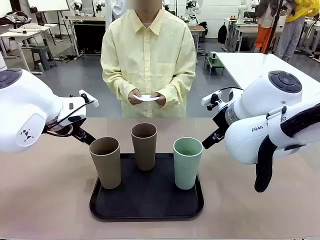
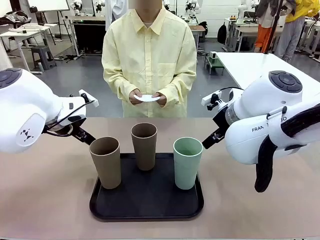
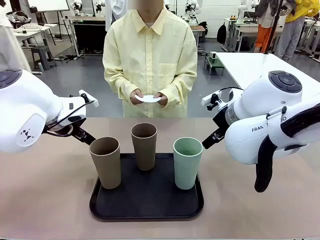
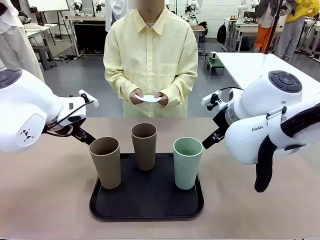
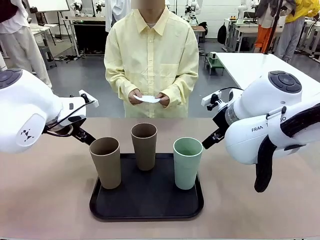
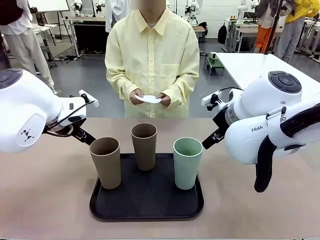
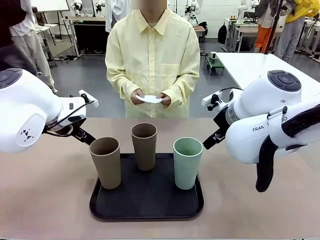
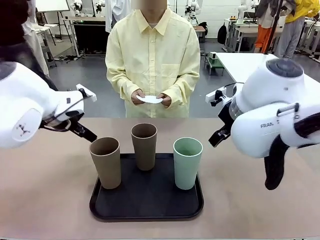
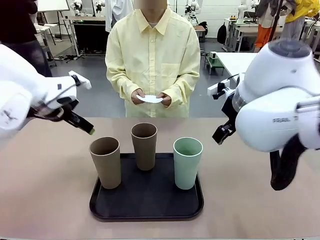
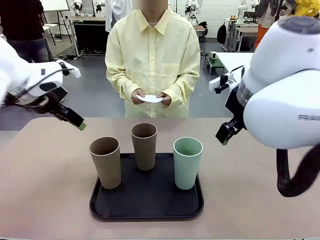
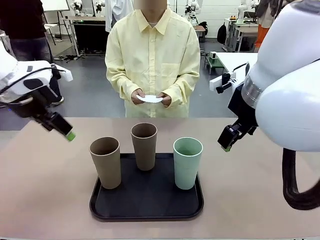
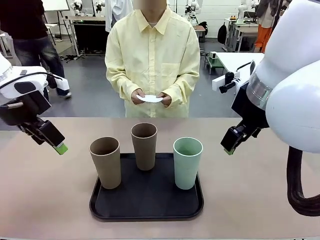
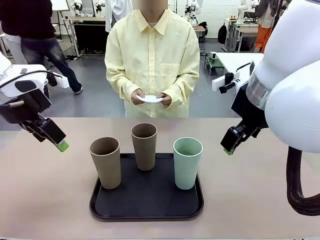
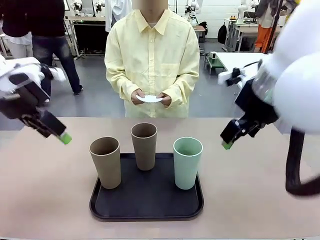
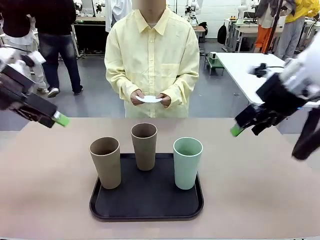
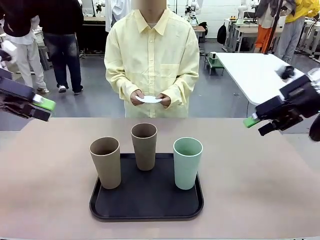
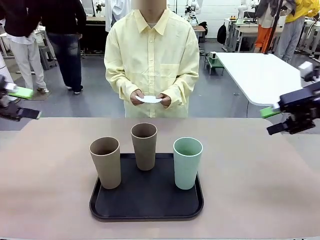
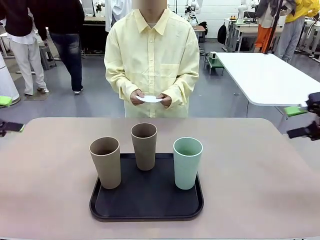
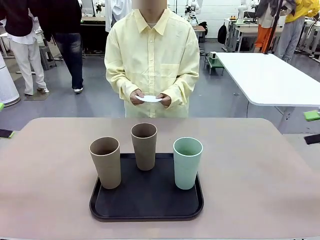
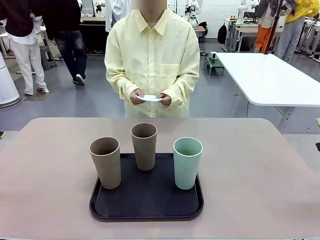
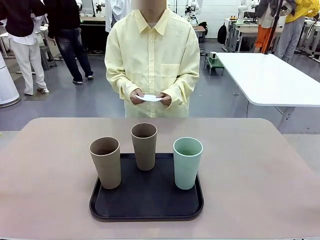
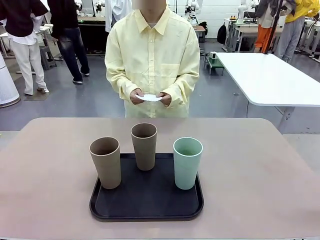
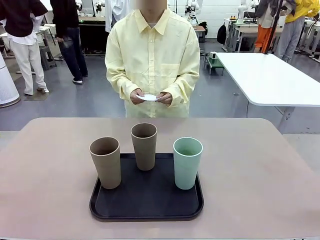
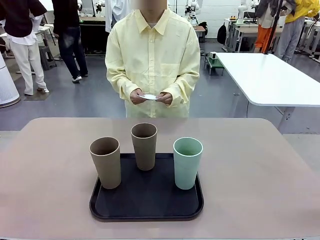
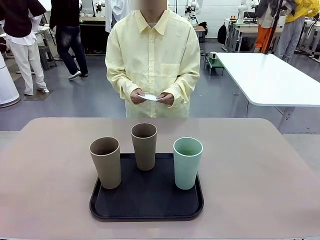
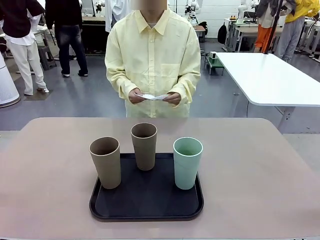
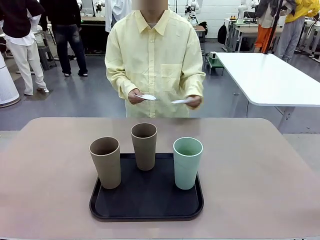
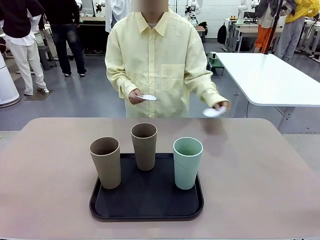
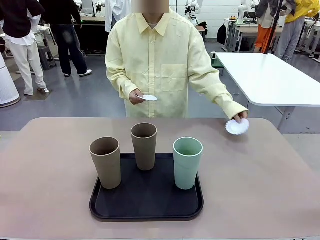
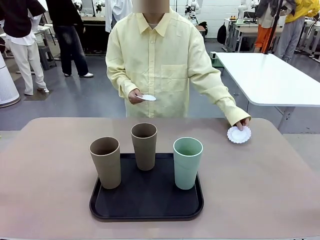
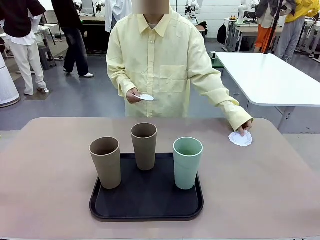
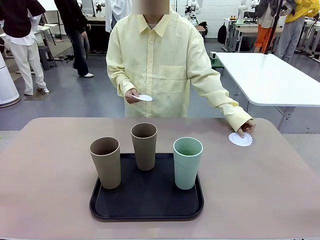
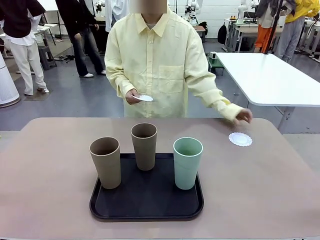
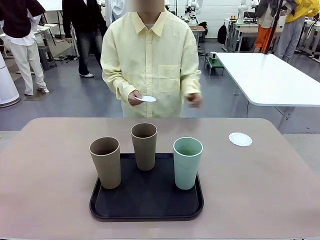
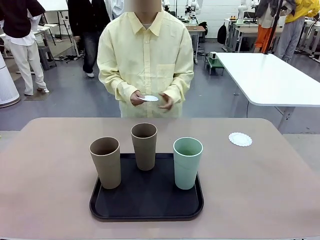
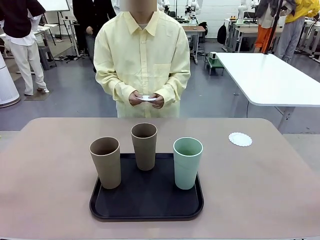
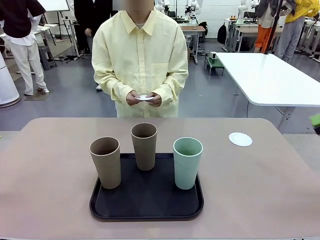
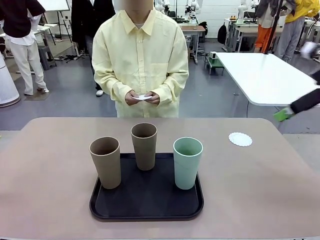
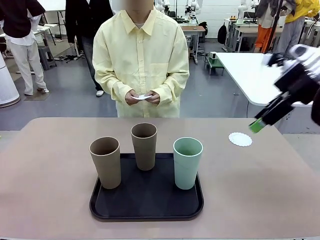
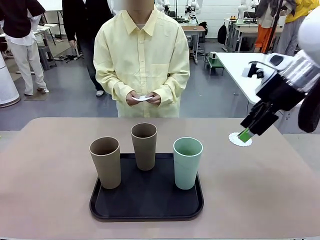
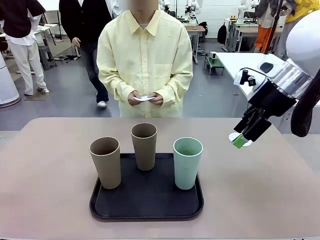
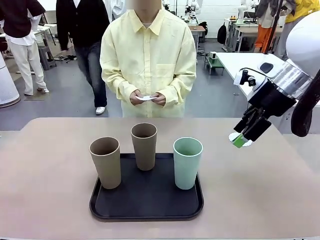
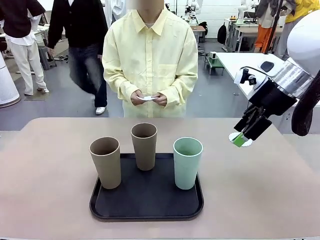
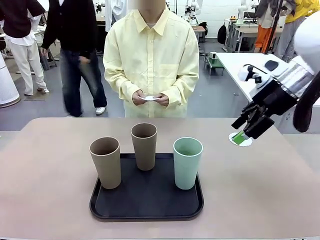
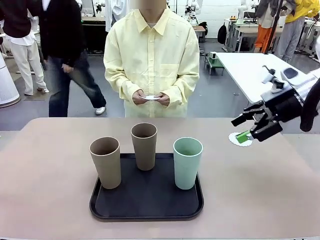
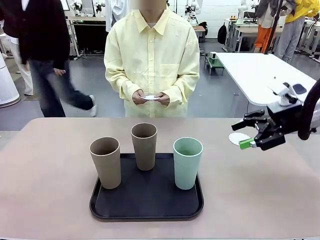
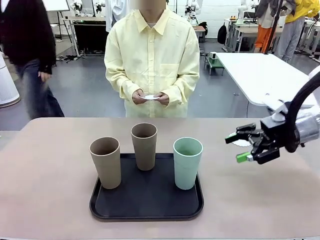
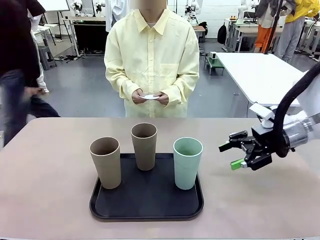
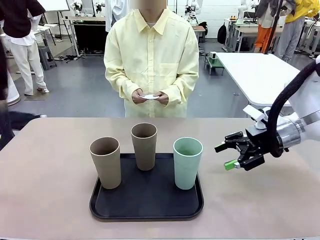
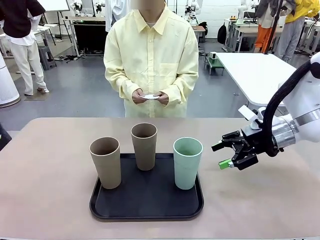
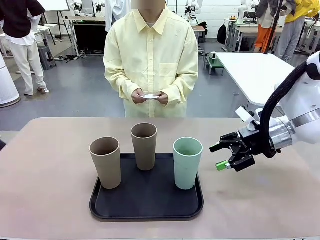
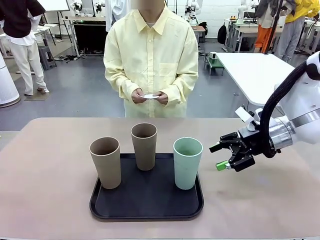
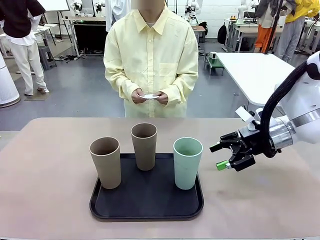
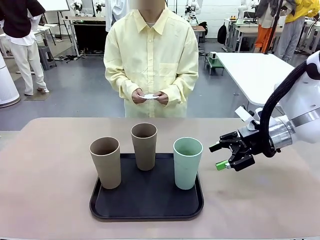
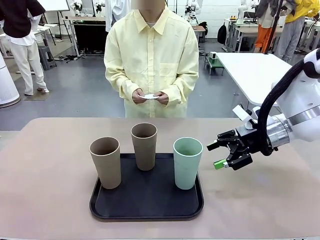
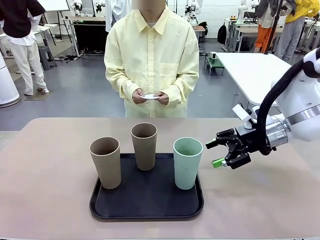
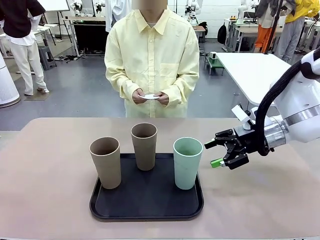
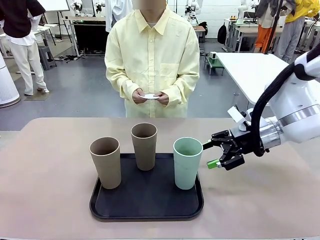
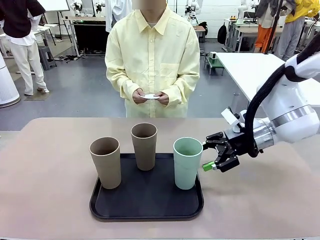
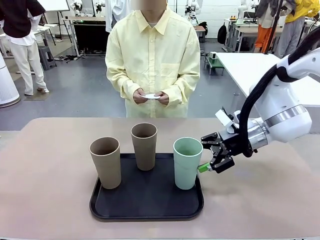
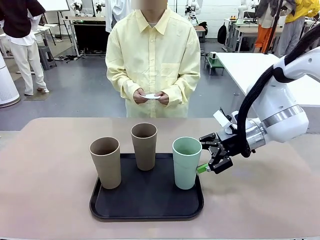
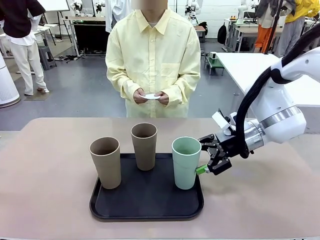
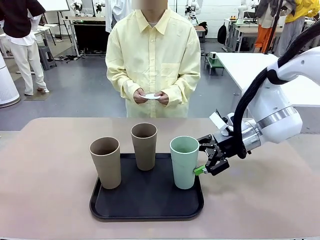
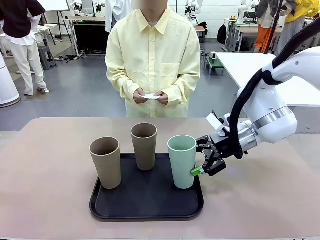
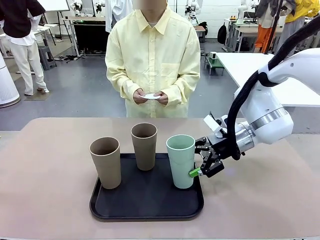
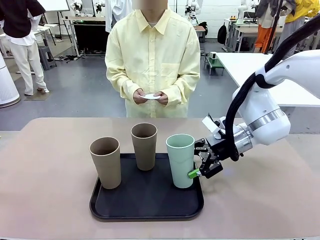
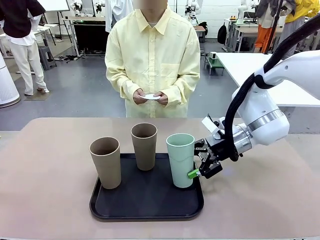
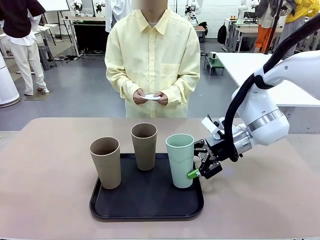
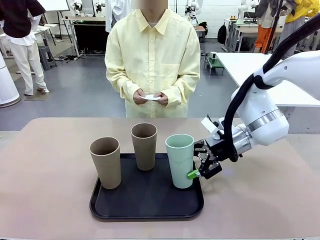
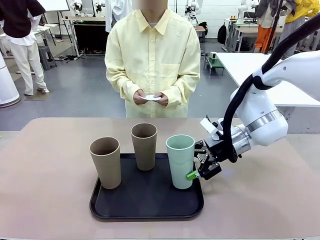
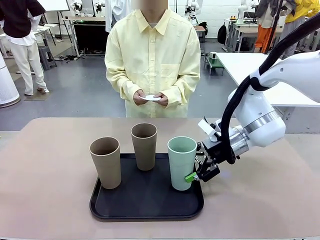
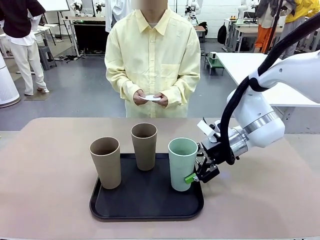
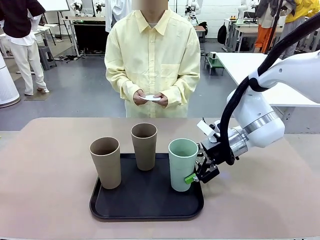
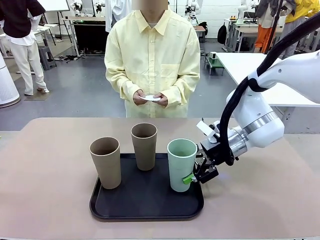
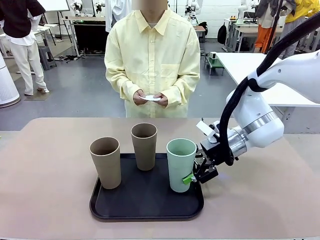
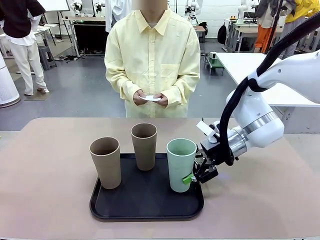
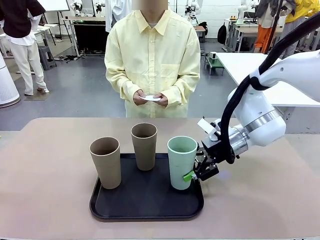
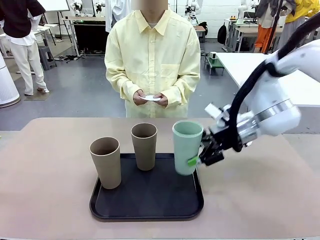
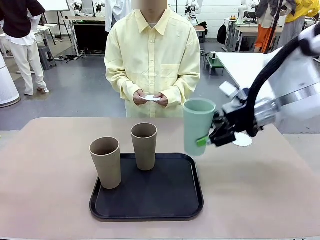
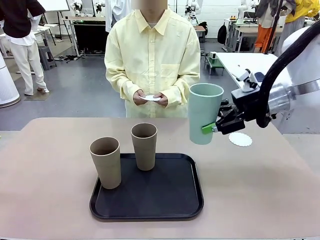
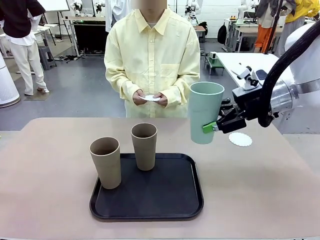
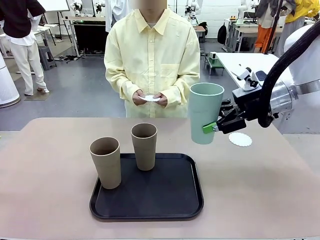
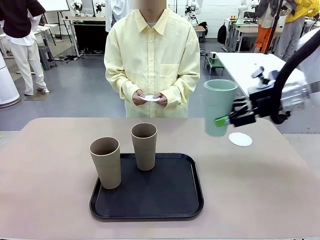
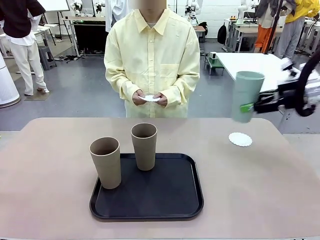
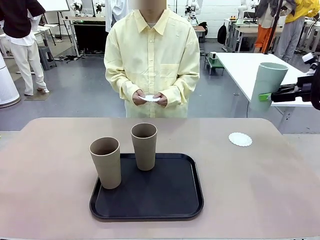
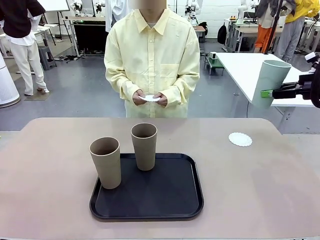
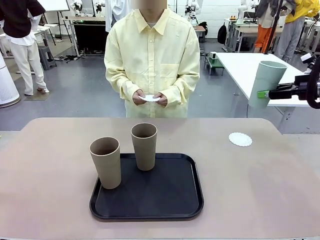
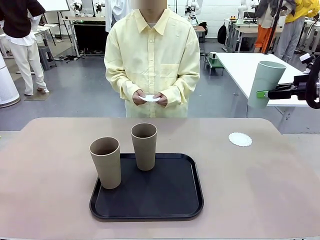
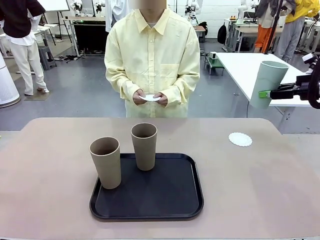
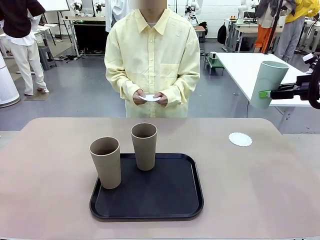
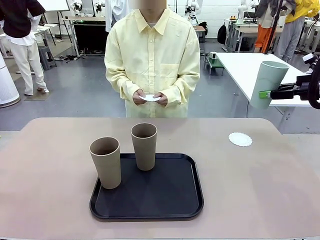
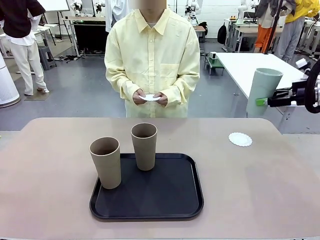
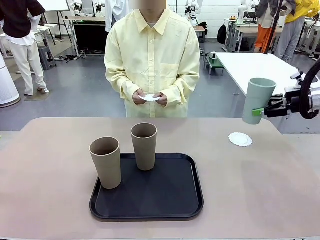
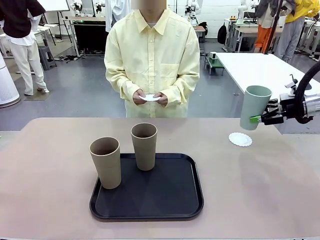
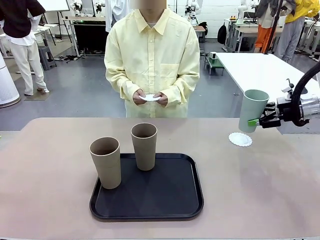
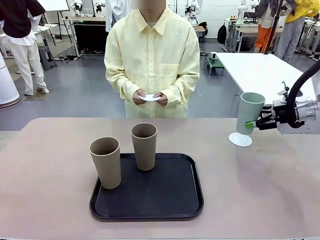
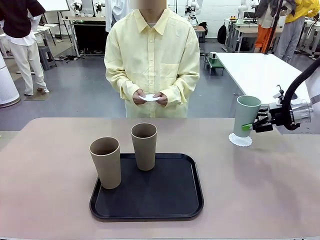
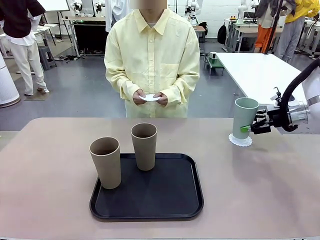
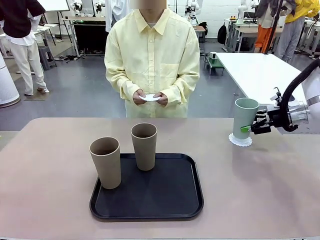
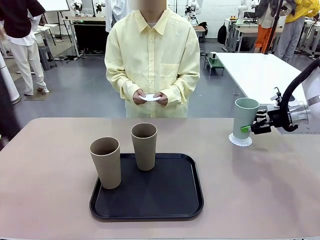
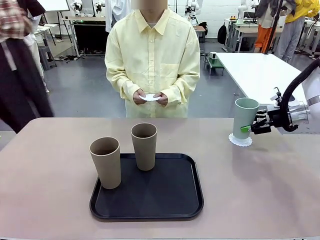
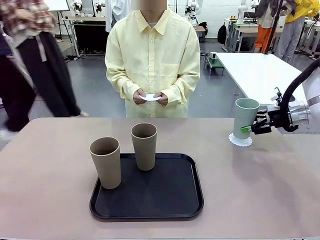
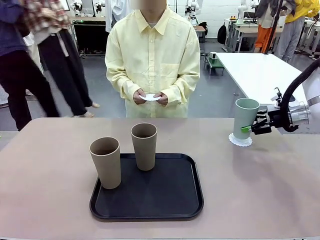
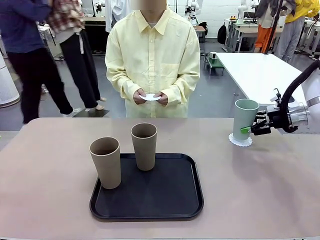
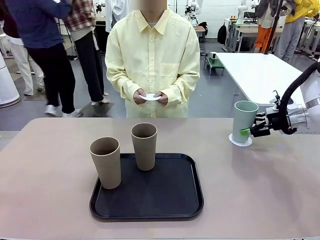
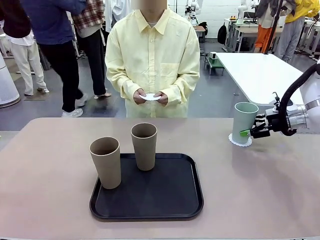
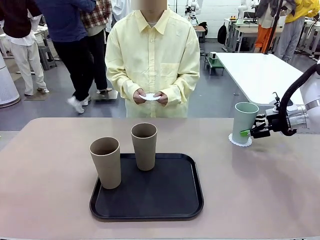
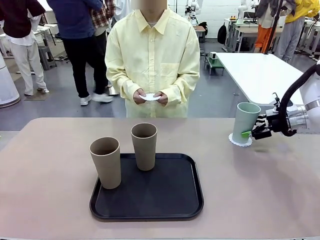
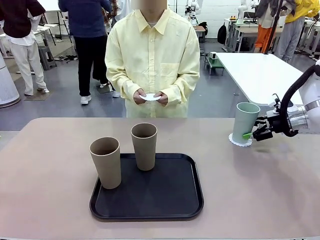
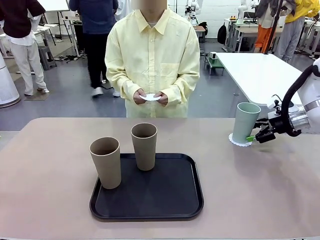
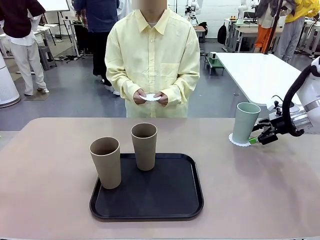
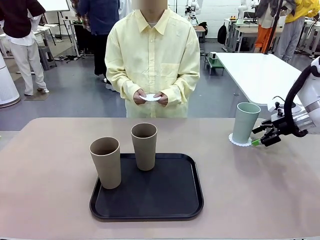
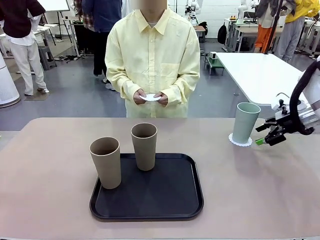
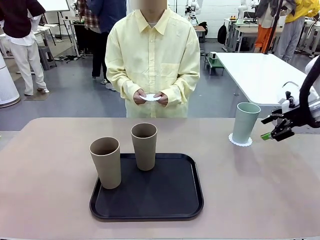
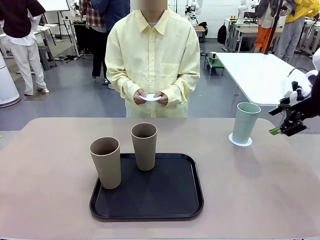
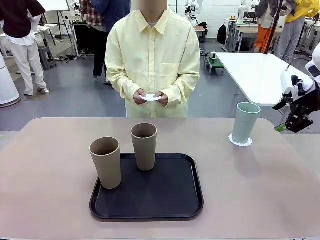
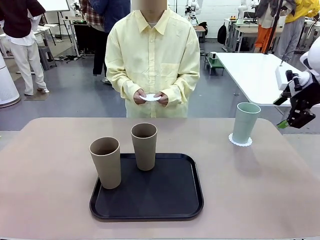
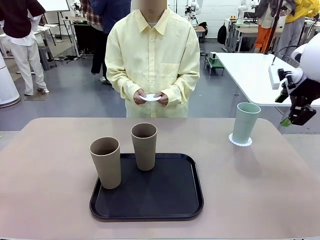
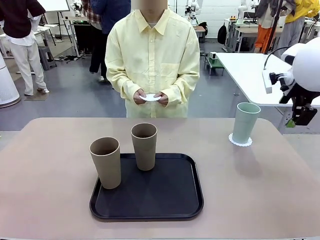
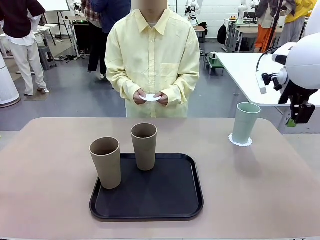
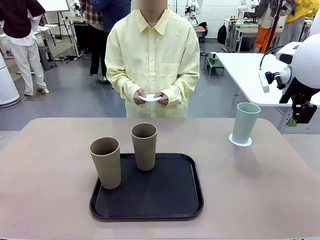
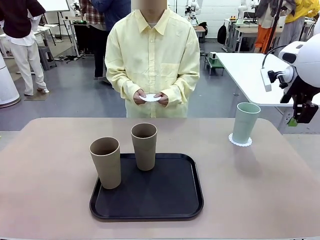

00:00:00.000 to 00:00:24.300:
Task: Place coasters on the table and set cups on them.
Robot: Pick up one Reusable plastic cup and place it on a coaster set by the human.
Person: Place one coaster in any one of the three lower areas of the robot table (left, center, or right). Place one coaster in one of the two areas excluding the previously selected area.
